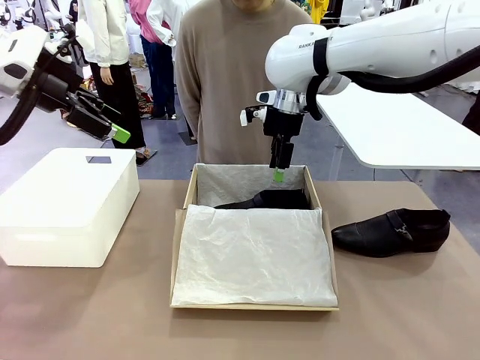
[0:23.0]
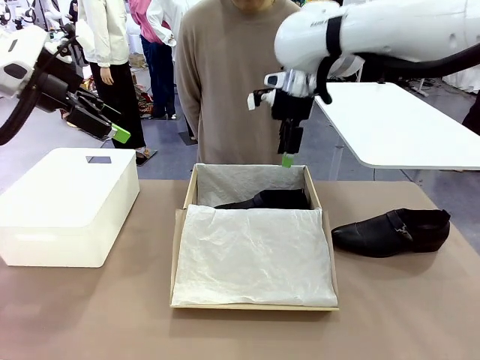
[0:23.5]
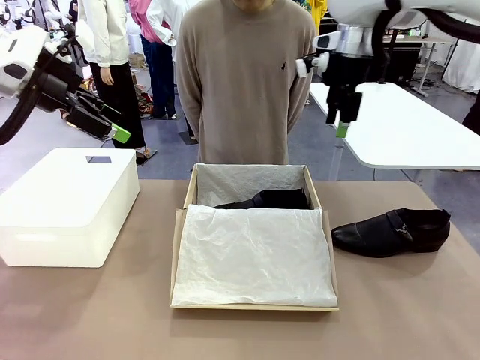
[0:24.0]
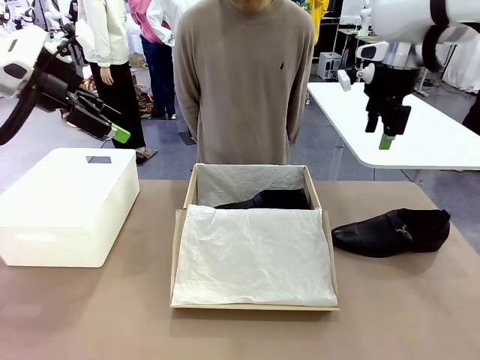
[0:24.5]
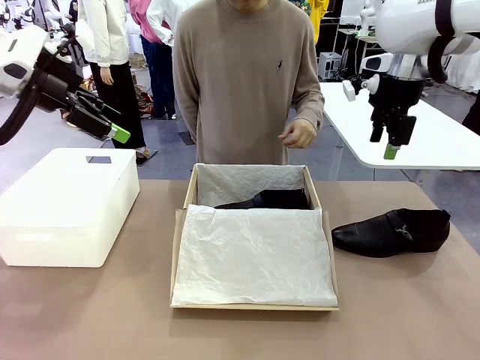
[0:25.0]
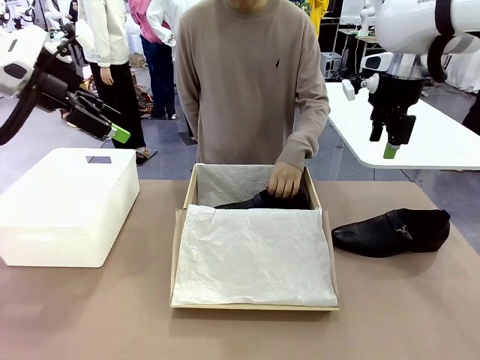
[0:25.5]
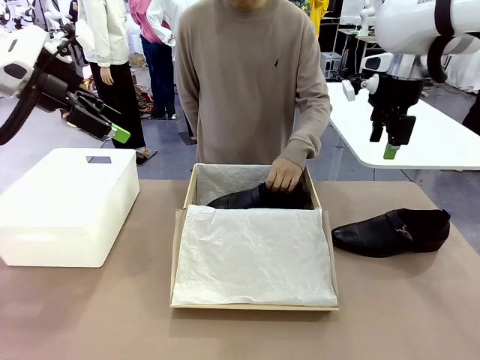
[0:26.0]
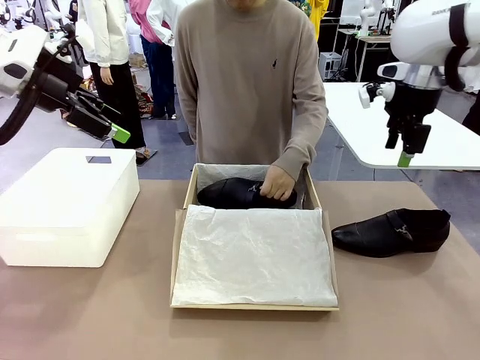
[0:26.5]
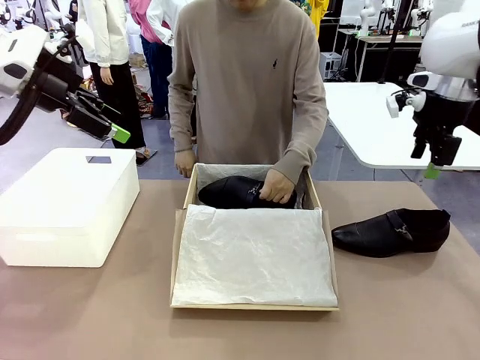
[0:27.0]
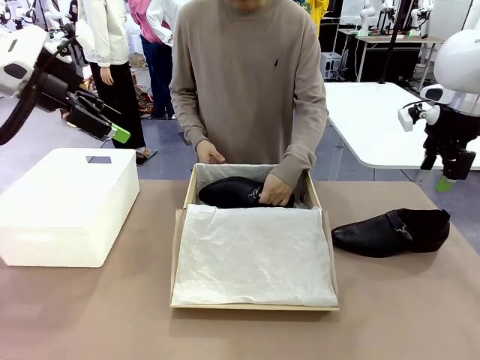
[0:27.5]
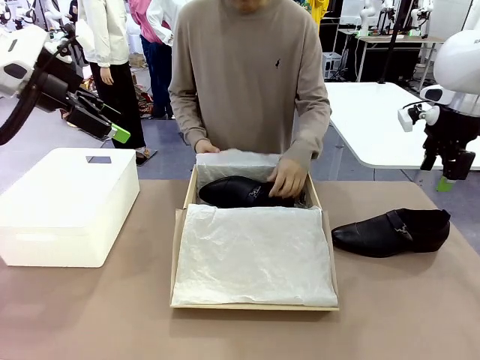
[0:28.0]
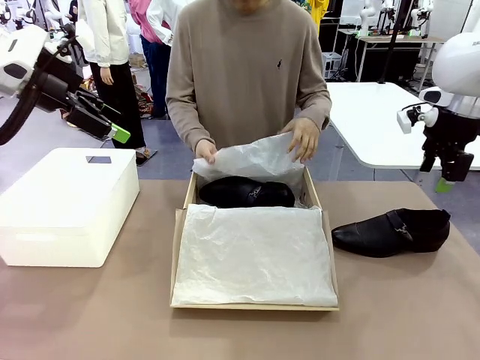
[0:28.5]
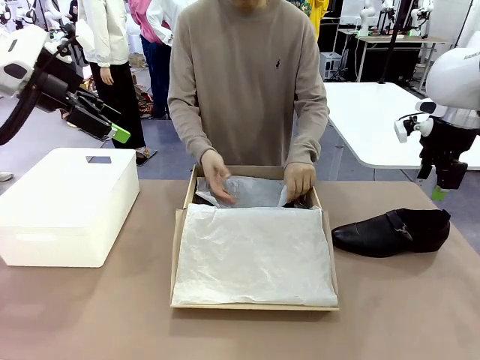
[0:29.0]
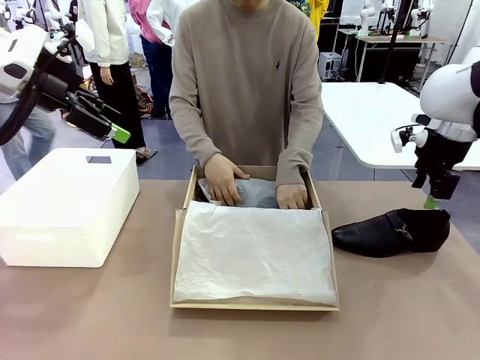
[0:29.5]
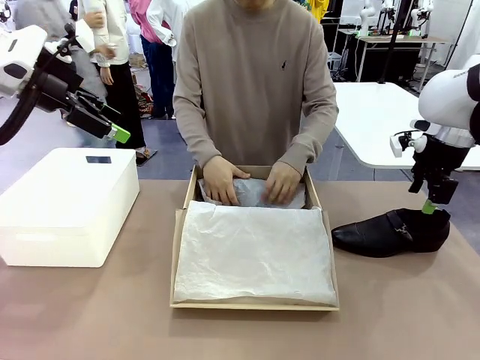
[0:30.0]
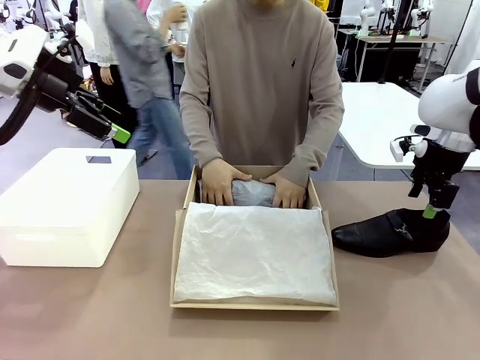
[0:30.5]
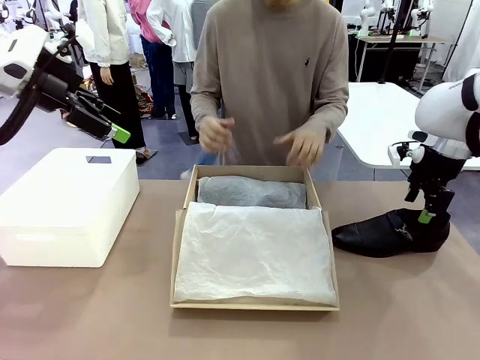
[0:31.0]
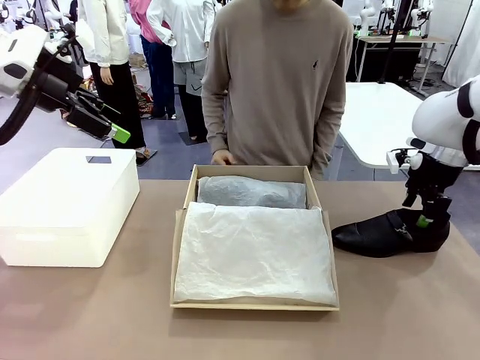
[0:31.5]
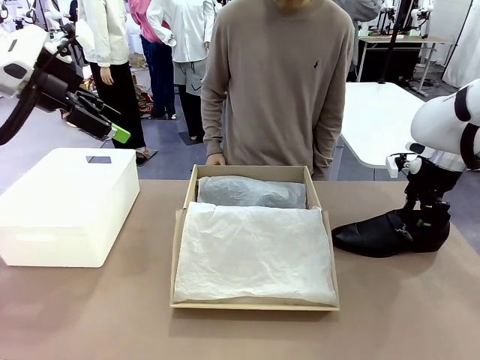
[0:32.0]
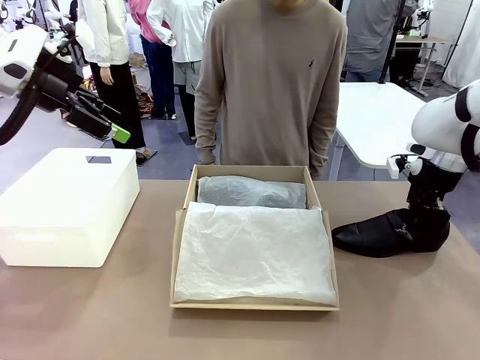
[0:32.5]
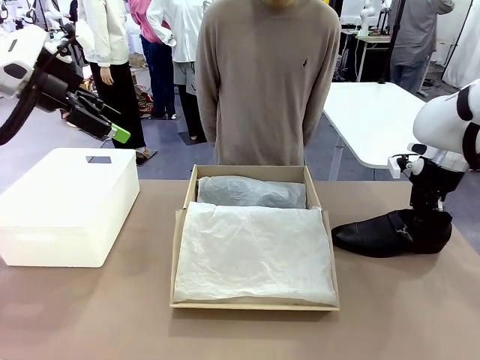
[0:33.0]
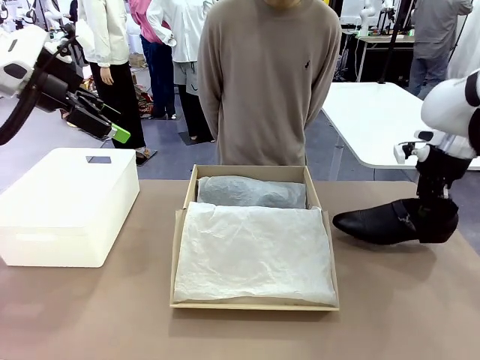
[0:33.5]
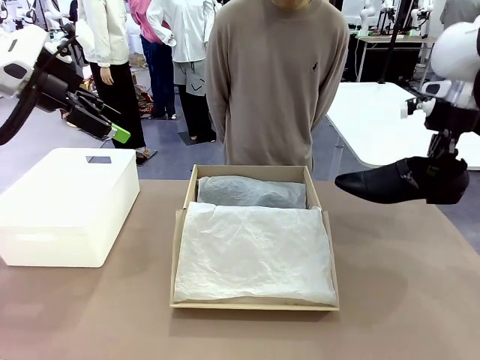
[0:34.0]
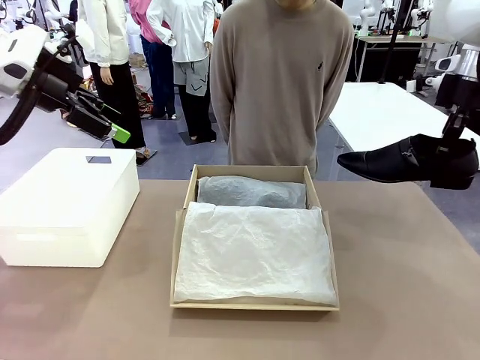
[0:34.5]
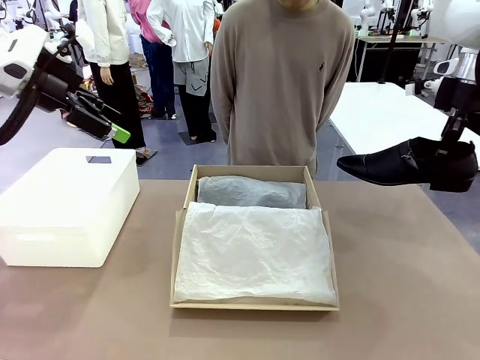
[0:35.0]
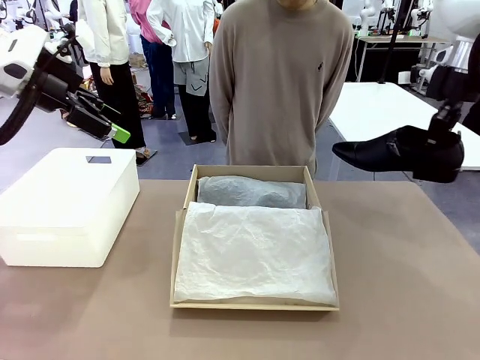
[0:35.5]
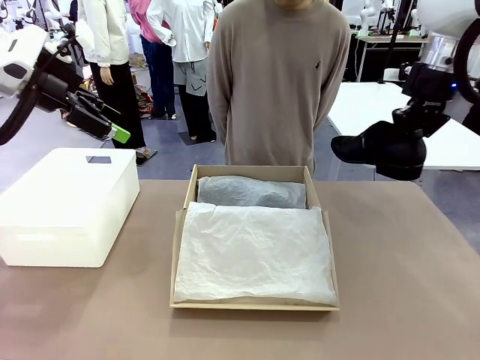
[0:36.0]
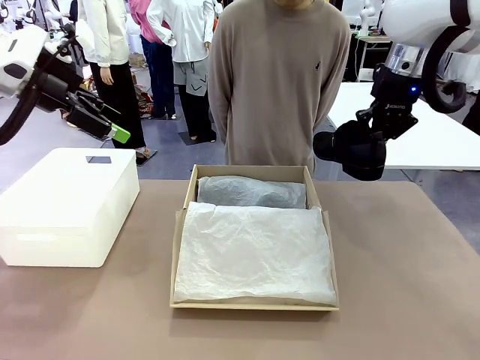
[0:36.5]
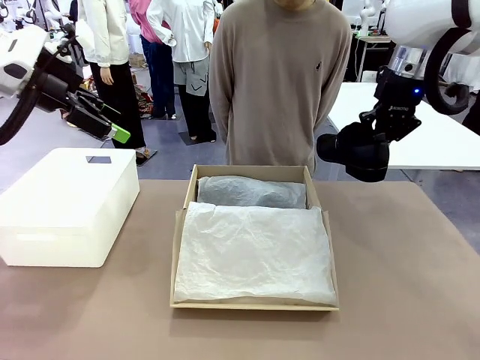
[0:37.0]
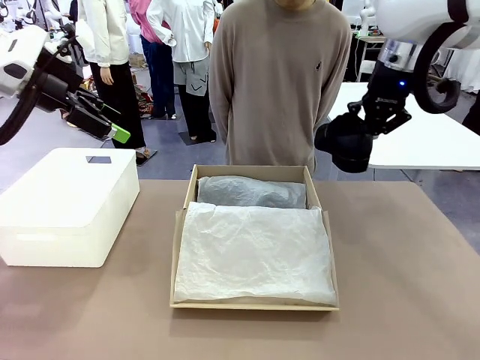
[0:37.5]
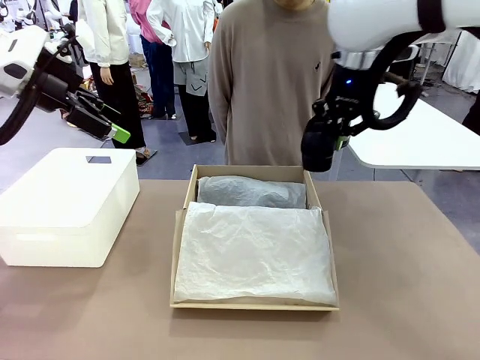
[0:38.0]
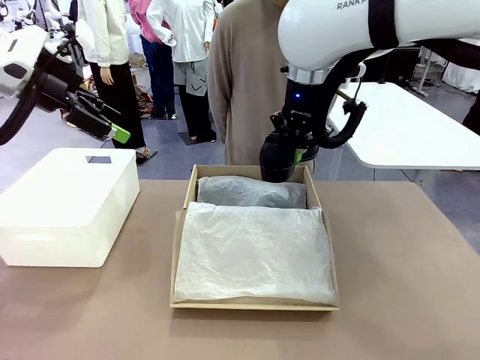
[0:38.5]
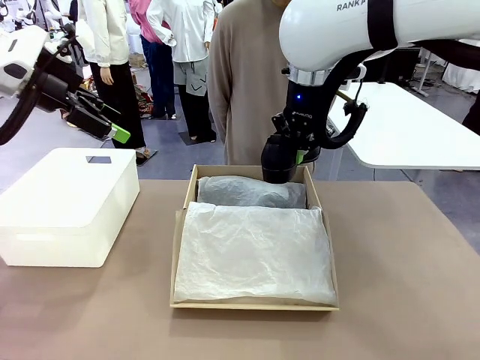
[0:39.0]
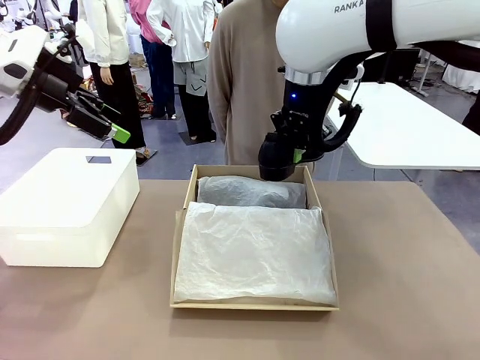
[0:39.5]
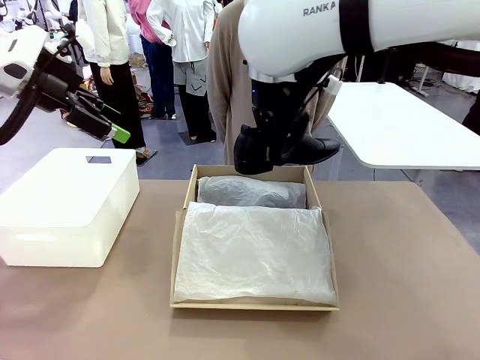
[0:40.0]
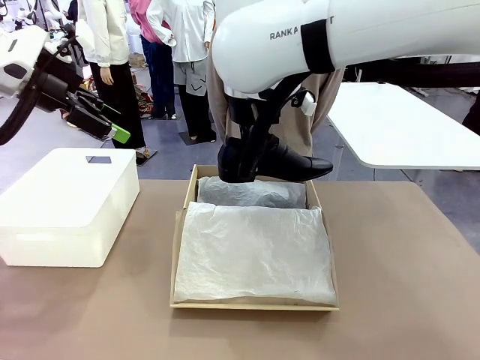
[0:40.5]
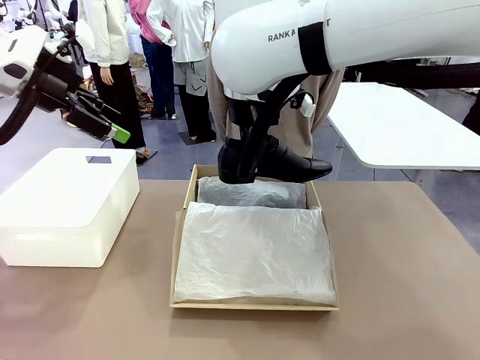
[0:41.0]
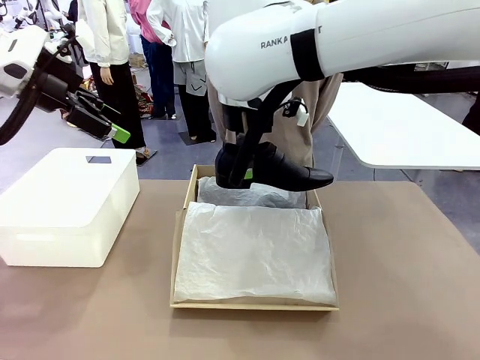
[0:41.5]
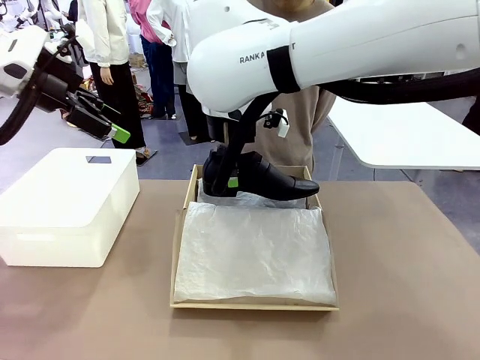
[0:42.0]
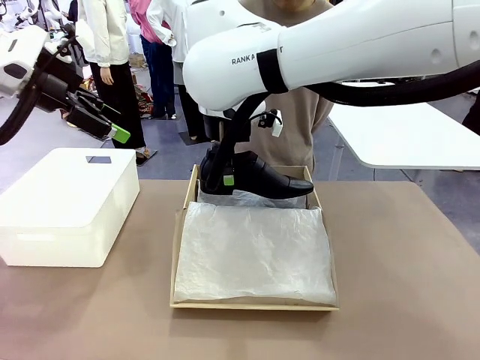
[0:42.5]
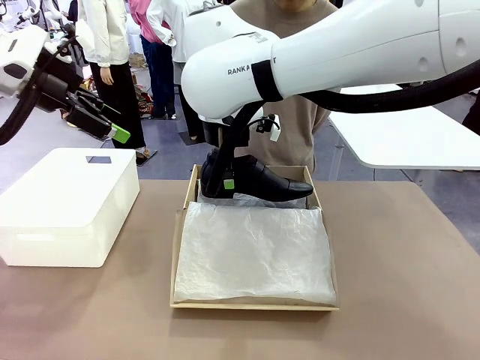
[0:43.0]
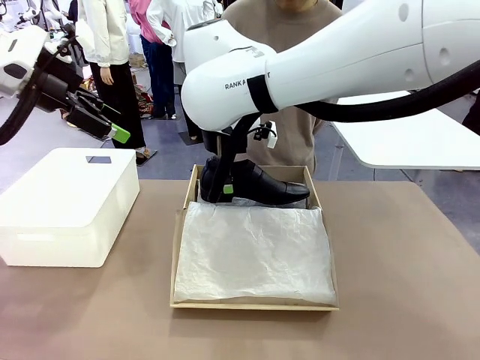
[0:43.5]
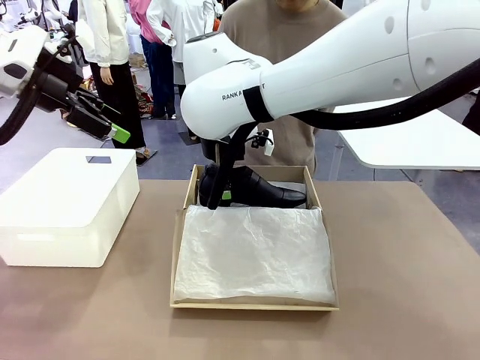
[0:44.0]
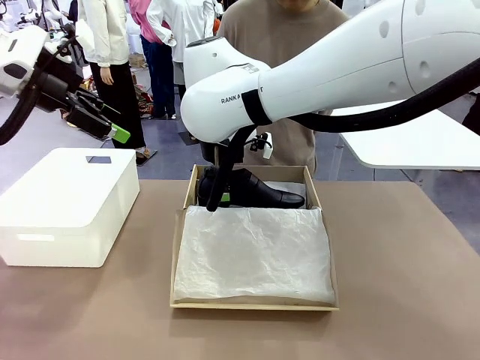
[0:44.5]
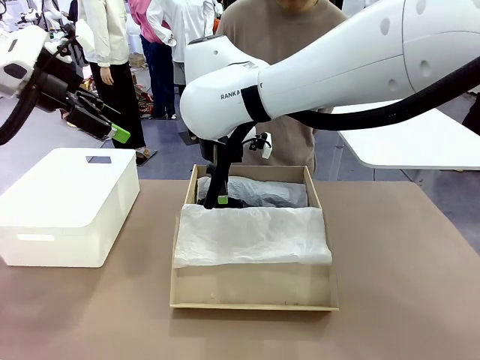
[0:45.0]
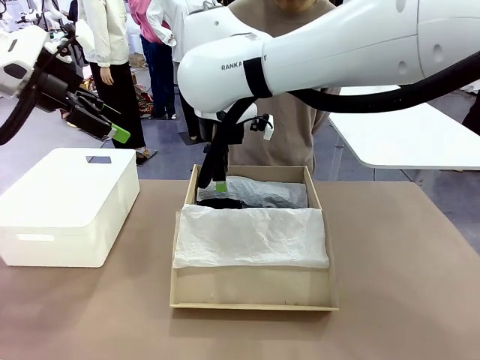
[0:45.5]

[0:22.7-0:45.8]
Task: Pack the shoes into the box.
Robot: Place the other shoe of the Shoes into the Shoes Box.
Person: Pack a shoe of Shoes inside the Shoes Box with Shoes Wrapping Paper.
